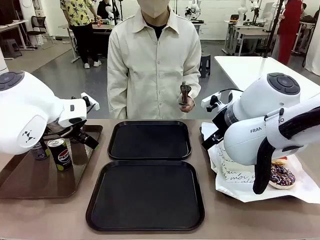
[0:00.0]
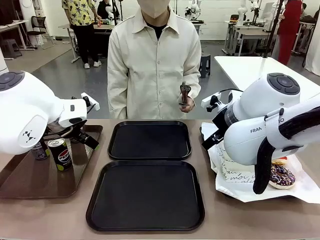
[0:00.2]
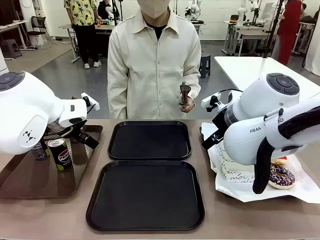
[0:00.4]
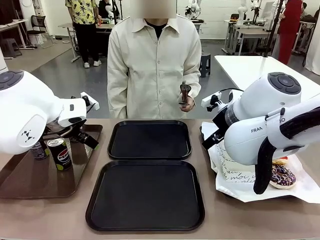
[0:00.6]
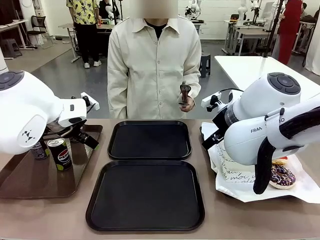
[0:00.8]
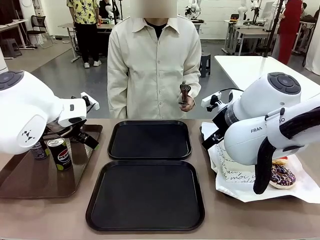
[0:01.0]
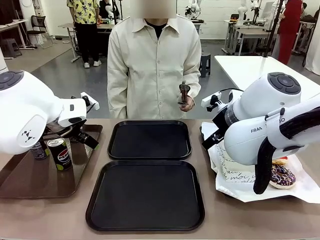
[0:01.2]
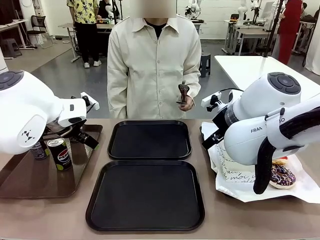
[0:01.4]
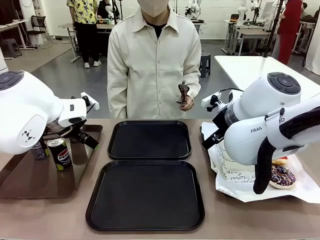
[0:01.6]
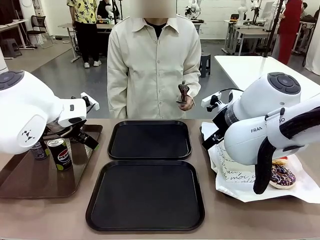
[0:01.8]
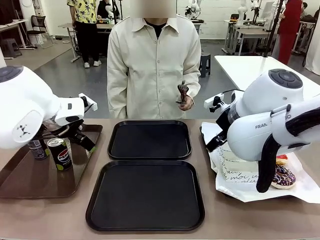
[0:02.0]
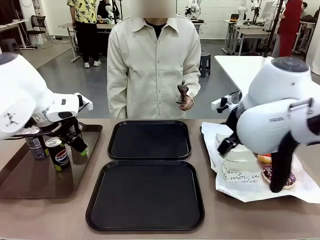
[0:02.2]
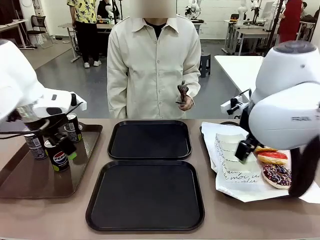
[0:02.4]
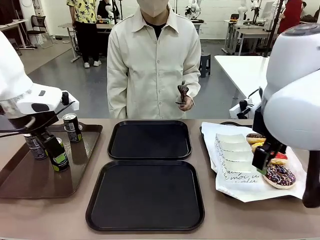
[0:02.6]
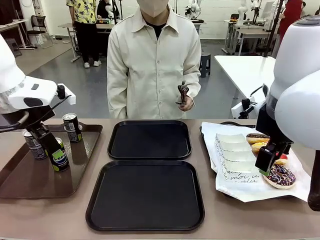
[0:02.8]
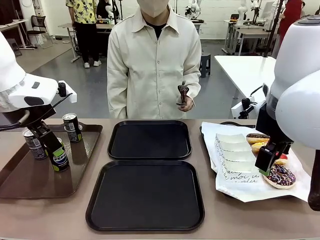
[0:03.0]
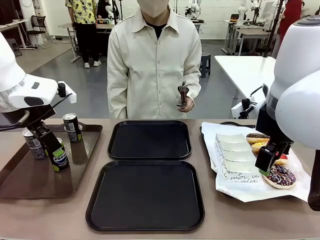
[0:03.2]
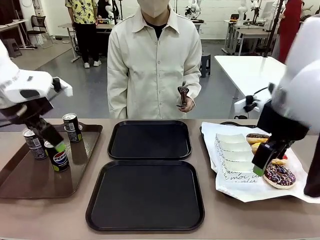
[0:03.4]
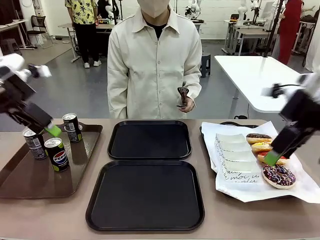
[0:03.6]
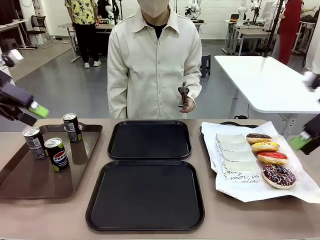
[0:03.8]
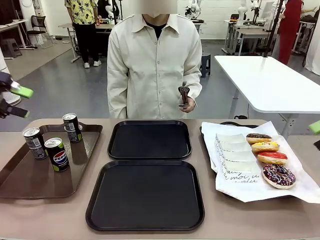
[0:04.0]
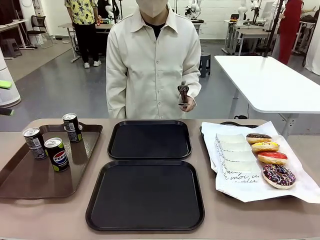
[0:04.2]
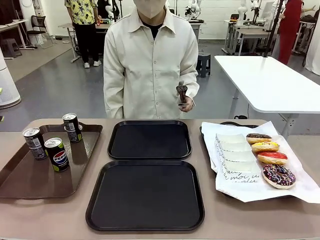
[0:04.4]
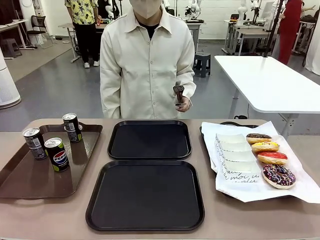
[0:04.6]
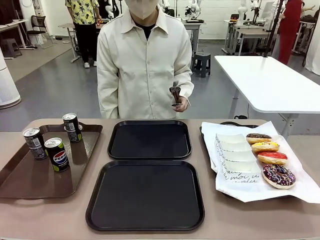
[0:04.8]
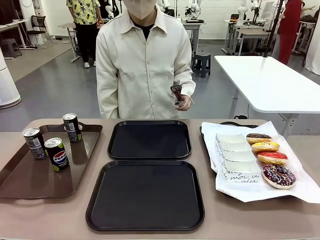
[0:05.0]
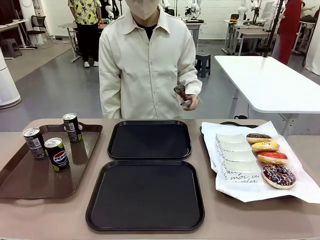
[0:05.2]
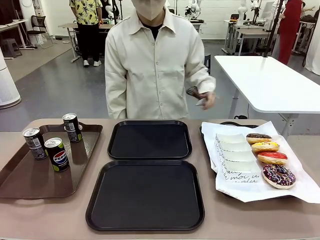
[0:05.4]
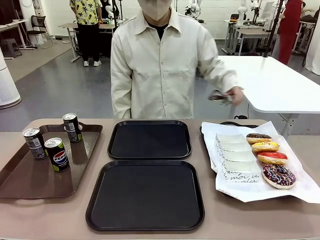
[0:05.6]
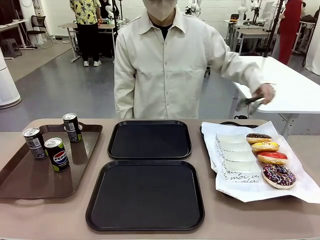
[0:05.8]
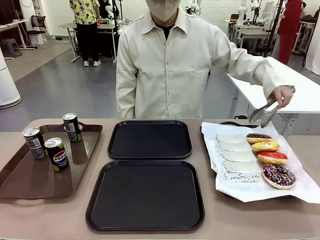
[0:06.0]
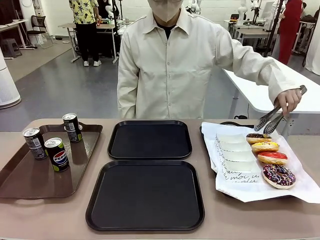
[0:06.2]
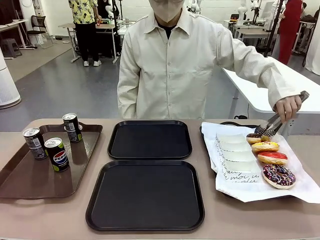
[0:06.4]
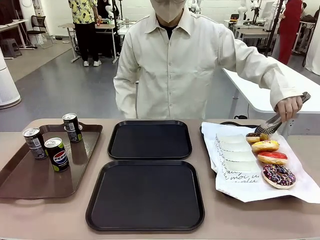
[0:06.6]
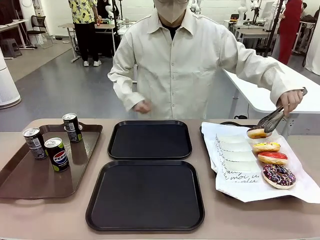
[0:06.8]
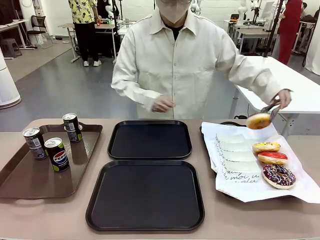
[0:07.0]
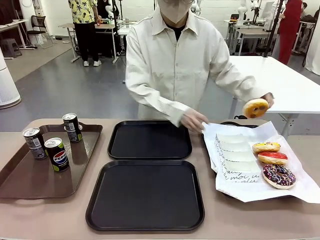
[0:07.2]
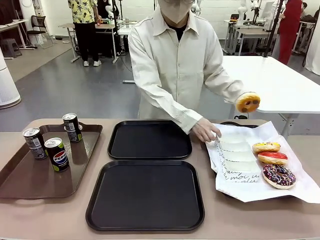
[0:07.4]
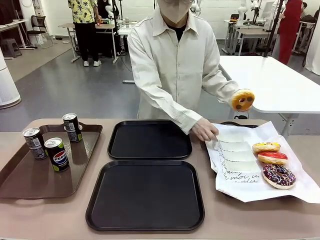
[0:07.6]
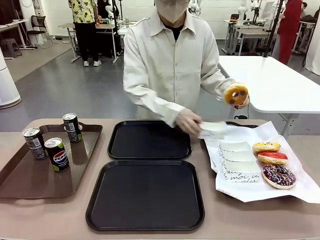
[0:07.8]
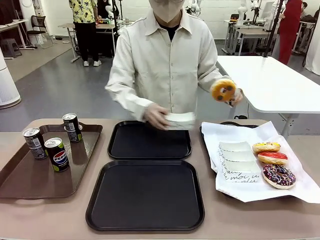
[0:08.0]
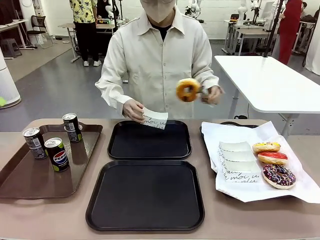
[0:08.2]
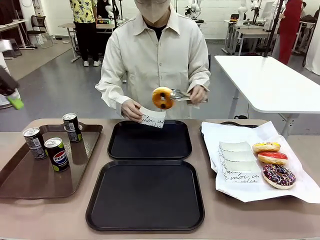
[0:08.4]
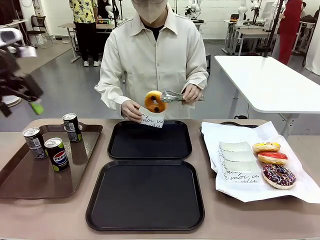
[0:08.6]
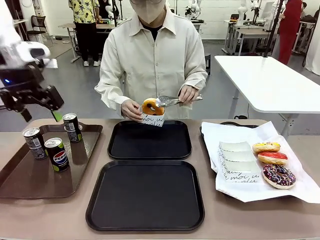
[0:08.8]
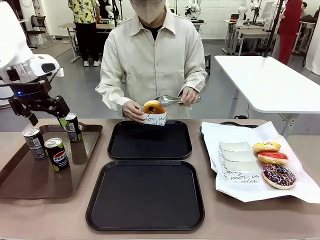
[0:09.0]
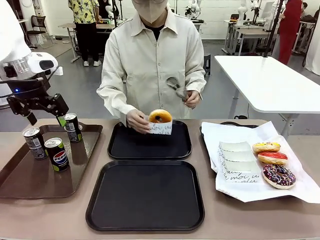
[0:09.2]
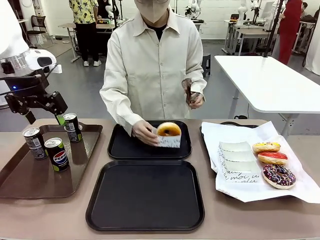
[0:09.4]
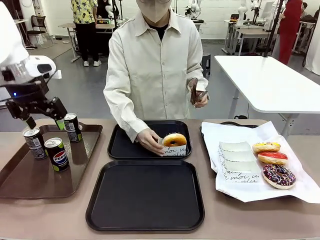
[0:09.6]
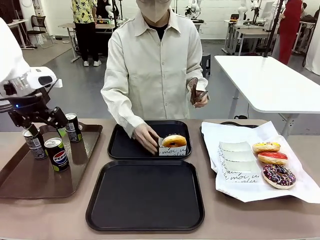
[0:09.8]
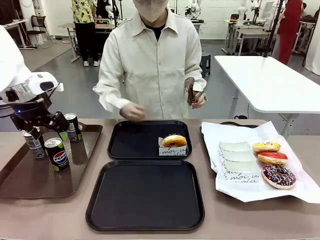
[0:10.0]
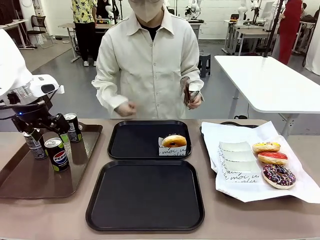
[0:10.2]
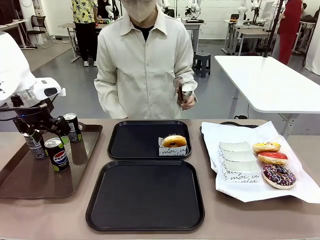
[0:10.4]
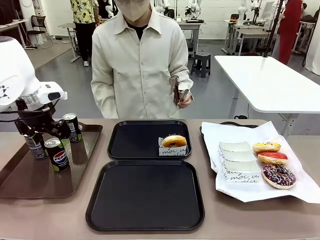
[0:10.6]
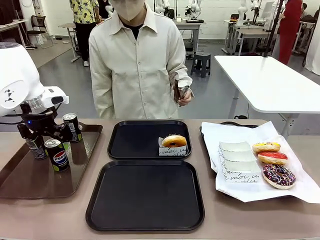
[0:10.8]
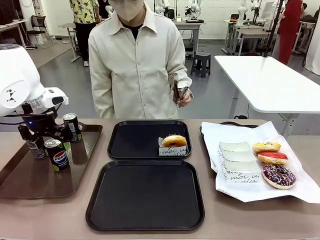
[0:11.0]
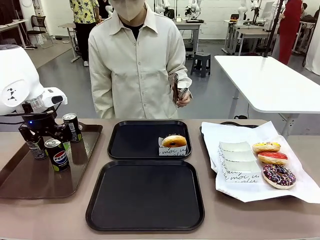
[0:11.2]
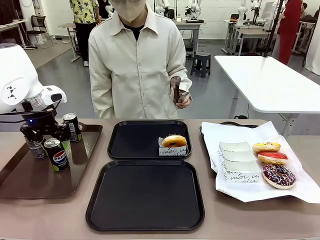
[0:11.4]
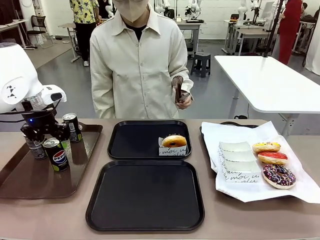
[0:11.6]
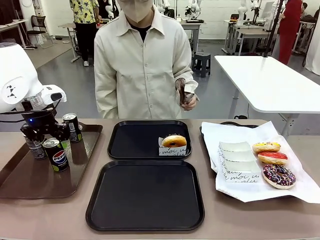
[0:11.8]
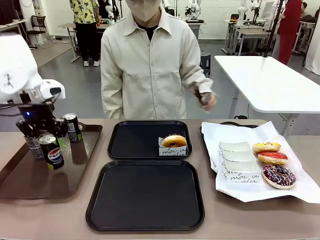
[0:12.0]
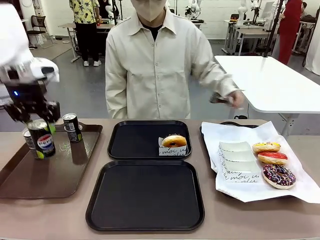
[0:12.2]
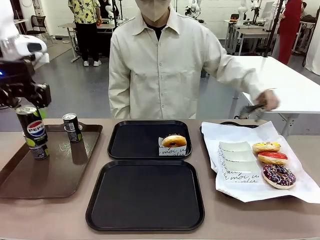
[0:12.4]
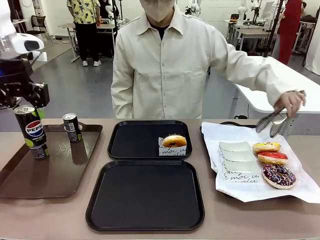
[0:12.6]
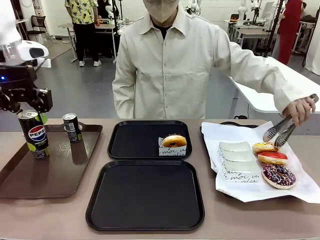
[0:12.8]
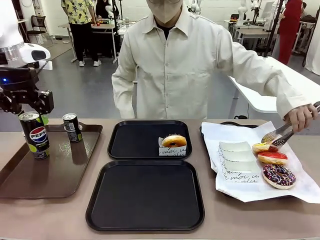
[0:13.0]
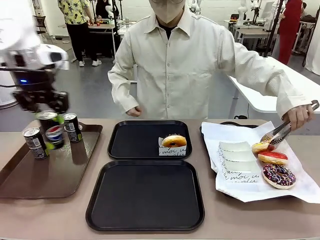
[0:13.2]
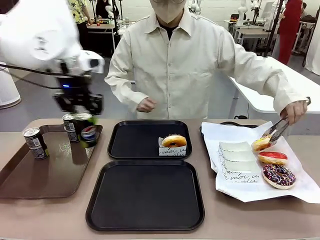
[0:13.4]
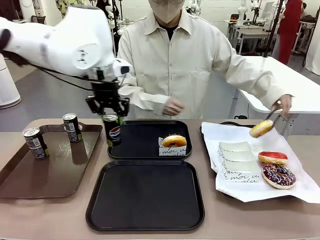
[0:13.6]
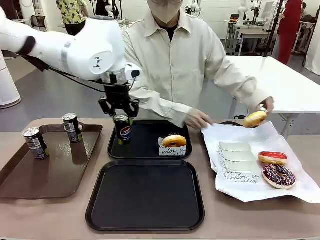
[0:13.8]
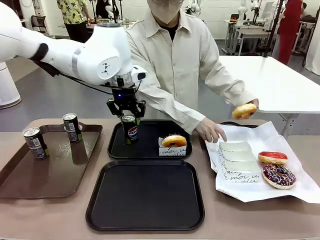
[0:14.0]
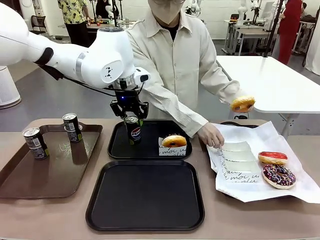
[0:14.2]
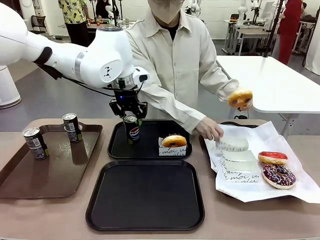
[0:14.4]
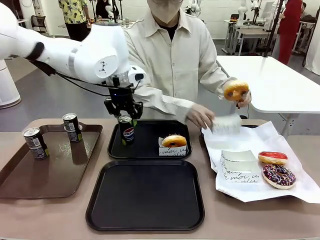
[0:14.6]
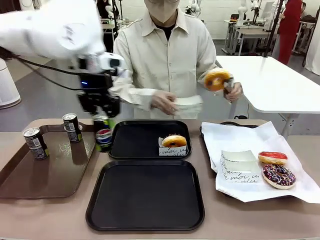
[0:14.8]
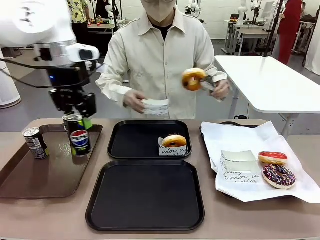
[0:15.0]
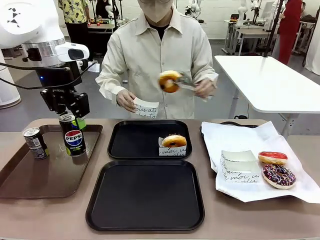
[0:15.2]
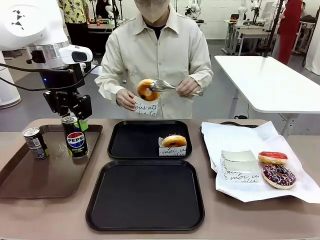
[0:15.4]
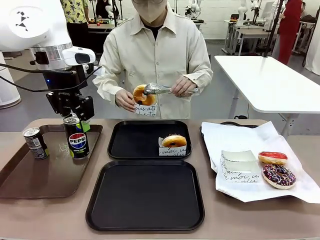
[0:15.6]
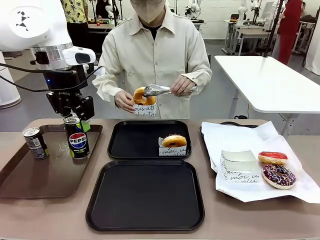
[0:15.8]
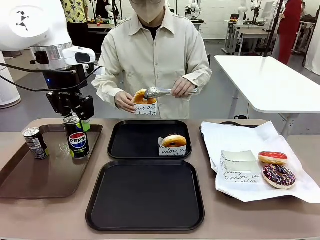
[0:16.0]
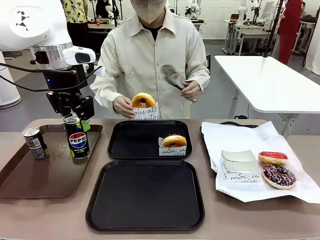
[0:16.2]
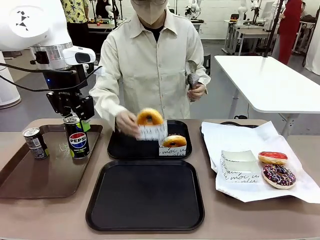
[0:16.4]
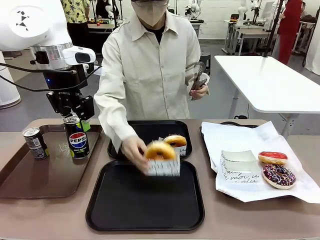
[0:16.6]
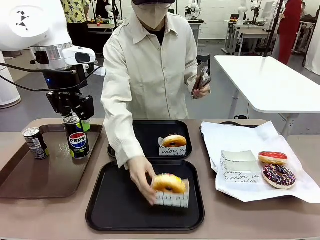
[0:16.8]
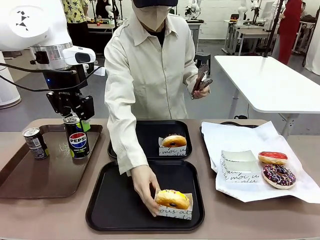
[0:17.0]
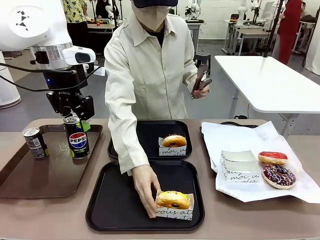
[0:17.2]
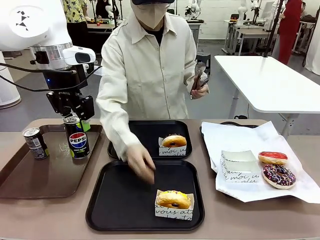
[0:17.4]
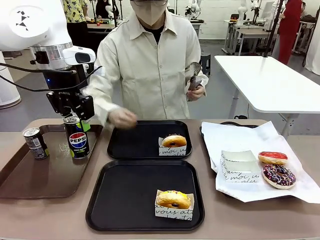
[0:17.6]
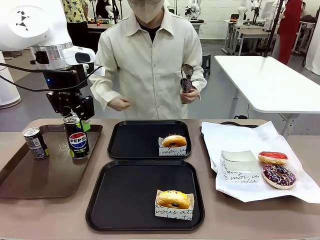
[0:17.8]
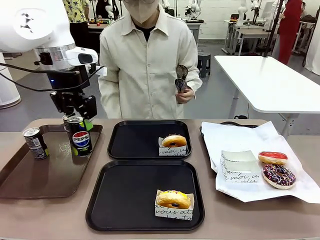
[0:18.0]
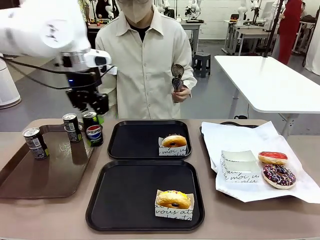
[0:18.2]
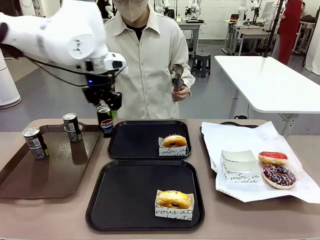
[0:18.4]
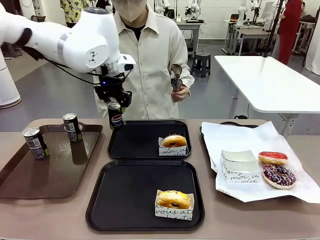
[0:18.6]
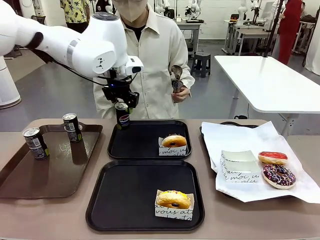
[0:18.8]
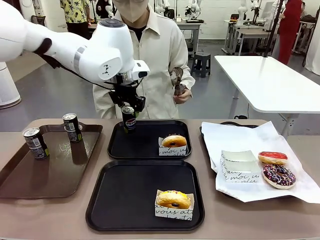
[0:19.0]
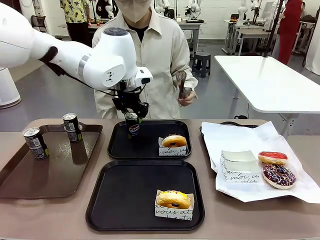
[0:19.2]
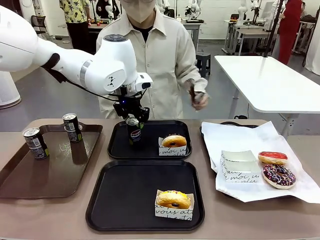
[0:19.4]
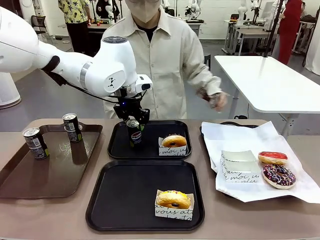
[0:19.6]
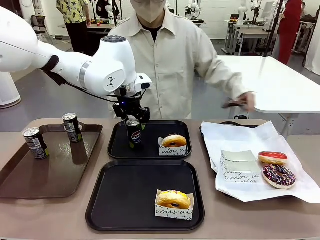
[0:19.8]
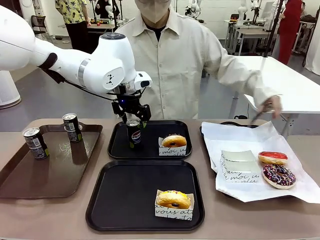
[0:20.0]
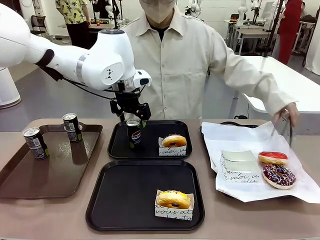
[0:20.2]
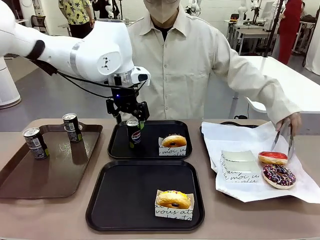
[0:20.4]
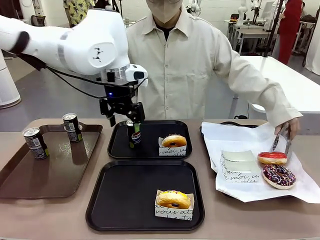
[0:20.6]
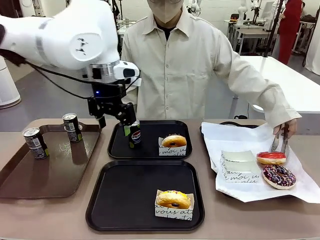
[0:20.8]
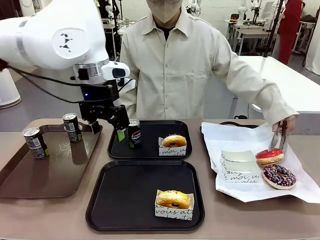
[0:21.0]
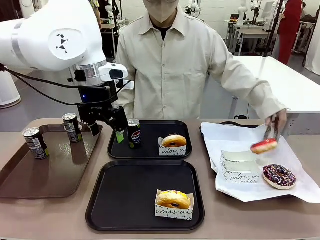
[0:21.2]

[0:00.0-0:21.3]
Task: Set up donuts and drinks on trays.
Robot: Pick up one Pepsi coke and place it on the Flat Tray.
Person: Pick up one donut with tongs, place it in the donut tray, and then place the donut tray on the flat tray.
